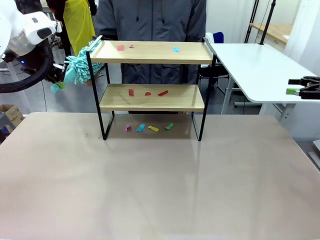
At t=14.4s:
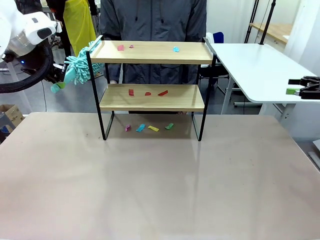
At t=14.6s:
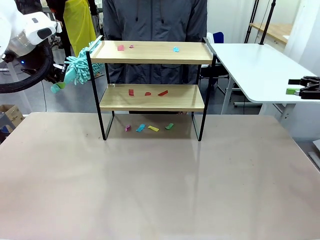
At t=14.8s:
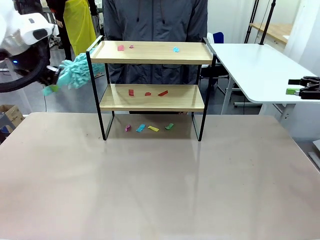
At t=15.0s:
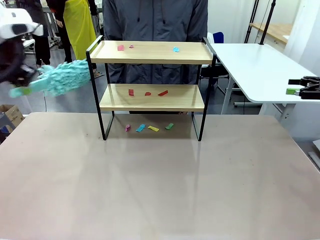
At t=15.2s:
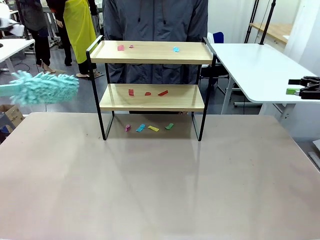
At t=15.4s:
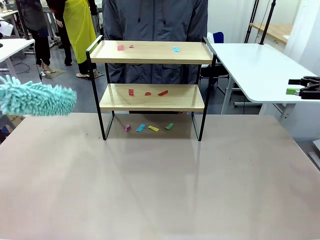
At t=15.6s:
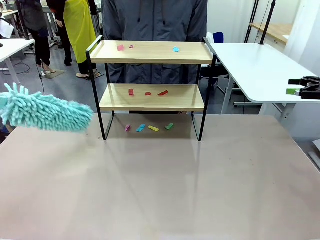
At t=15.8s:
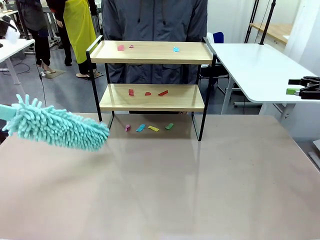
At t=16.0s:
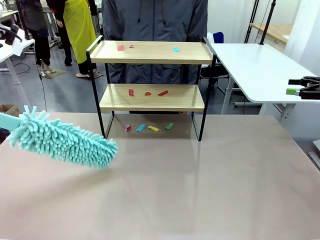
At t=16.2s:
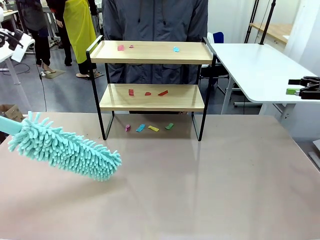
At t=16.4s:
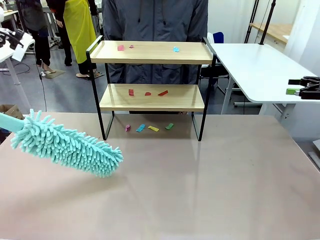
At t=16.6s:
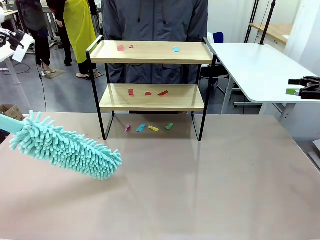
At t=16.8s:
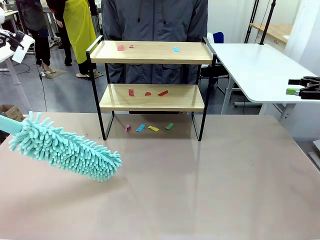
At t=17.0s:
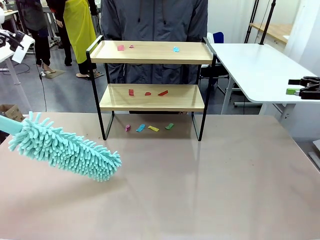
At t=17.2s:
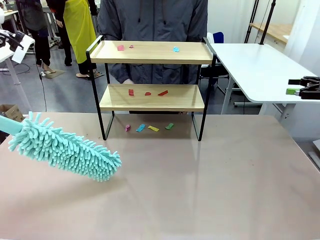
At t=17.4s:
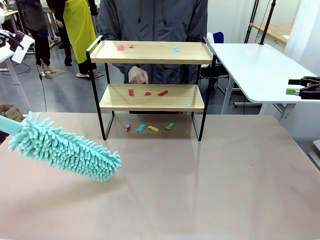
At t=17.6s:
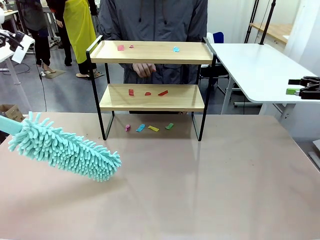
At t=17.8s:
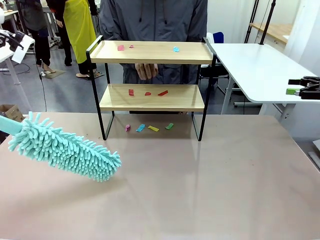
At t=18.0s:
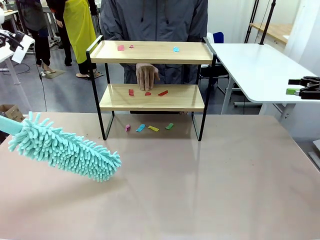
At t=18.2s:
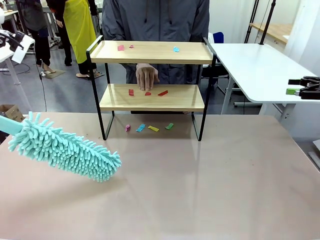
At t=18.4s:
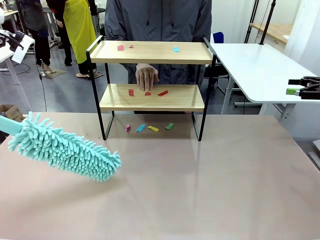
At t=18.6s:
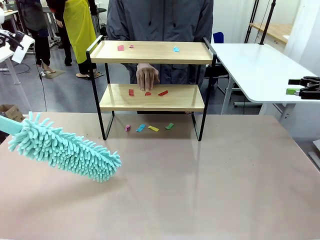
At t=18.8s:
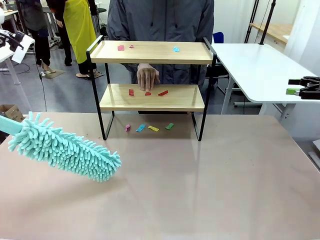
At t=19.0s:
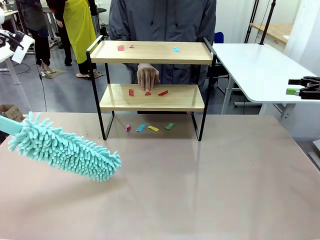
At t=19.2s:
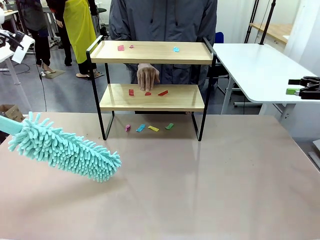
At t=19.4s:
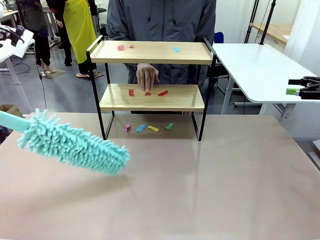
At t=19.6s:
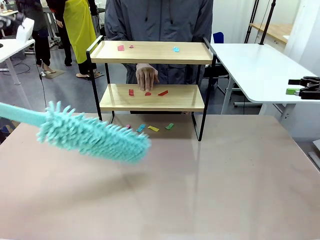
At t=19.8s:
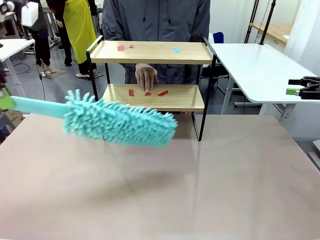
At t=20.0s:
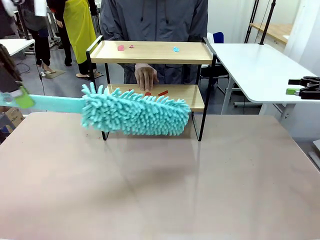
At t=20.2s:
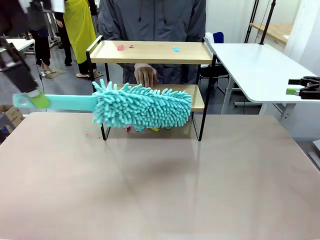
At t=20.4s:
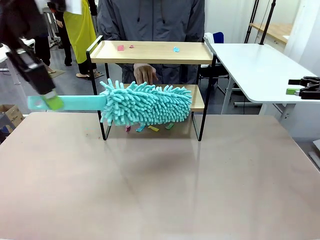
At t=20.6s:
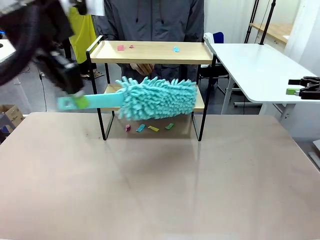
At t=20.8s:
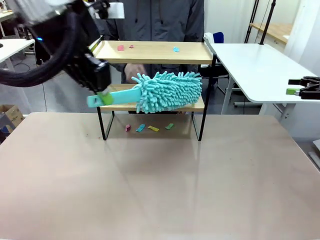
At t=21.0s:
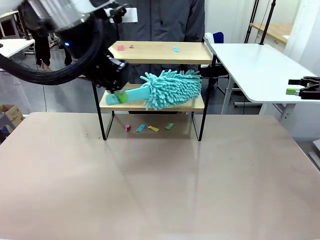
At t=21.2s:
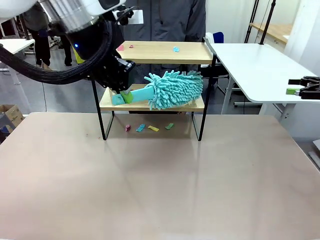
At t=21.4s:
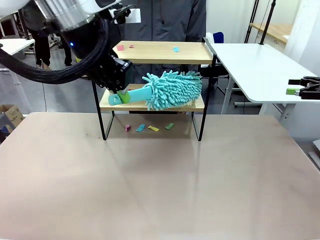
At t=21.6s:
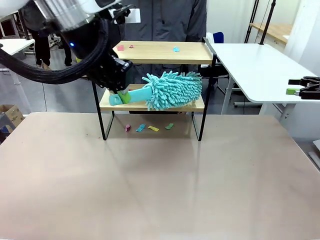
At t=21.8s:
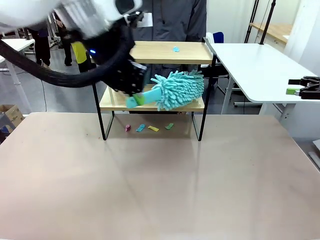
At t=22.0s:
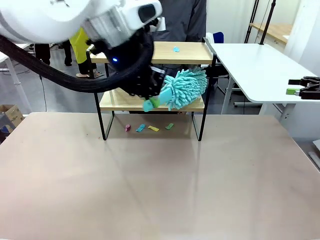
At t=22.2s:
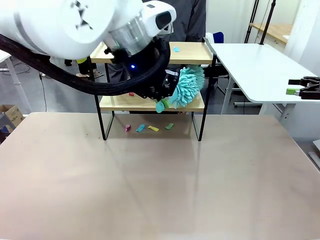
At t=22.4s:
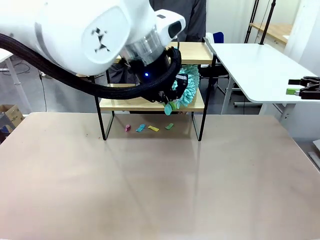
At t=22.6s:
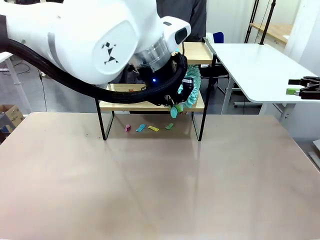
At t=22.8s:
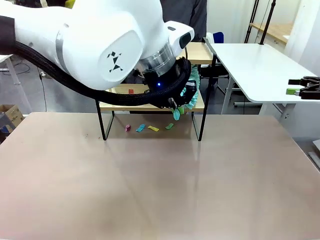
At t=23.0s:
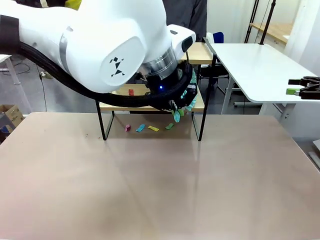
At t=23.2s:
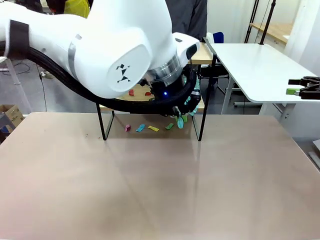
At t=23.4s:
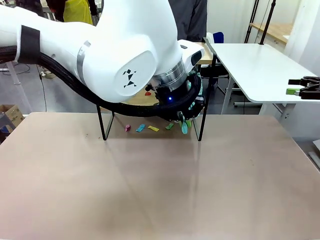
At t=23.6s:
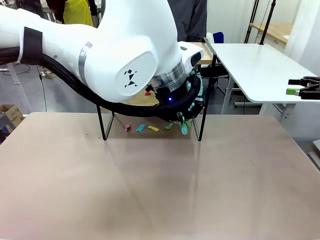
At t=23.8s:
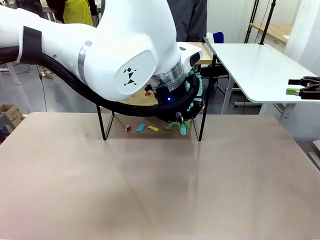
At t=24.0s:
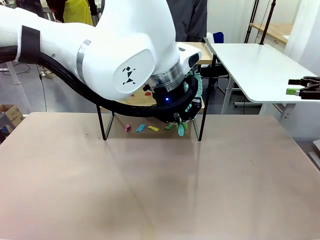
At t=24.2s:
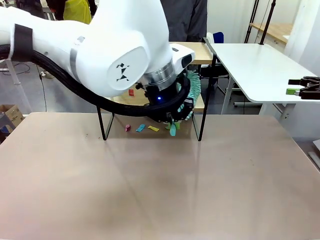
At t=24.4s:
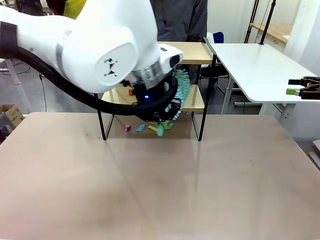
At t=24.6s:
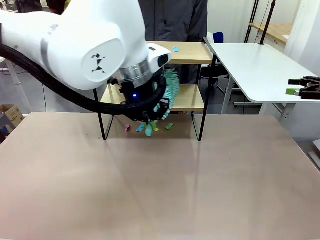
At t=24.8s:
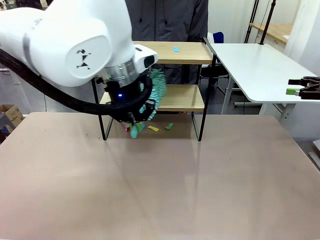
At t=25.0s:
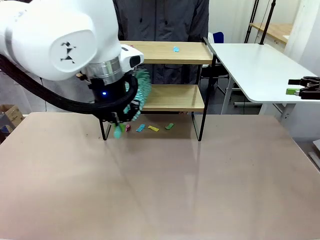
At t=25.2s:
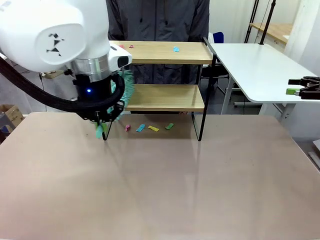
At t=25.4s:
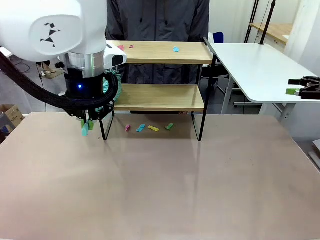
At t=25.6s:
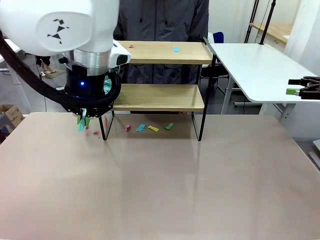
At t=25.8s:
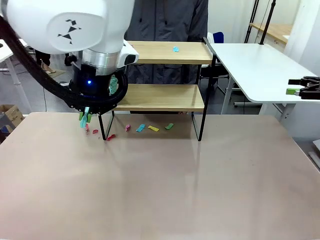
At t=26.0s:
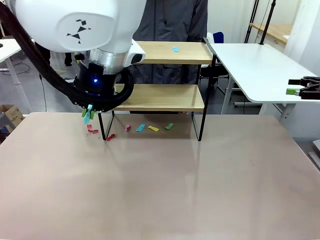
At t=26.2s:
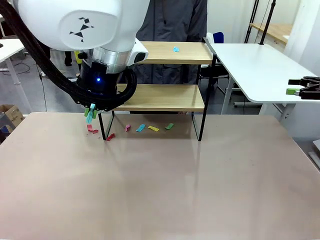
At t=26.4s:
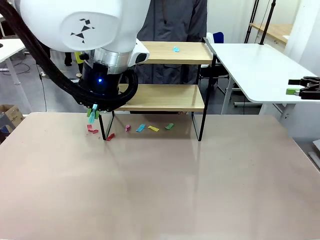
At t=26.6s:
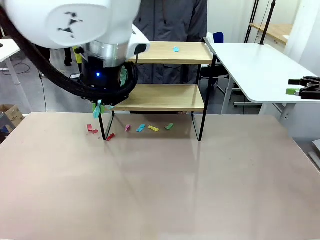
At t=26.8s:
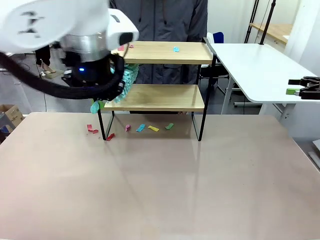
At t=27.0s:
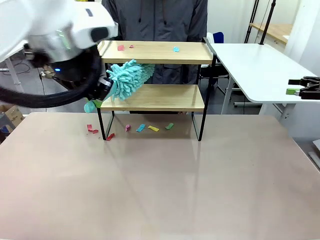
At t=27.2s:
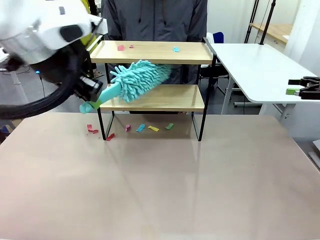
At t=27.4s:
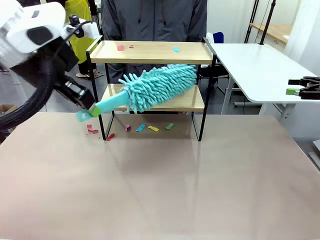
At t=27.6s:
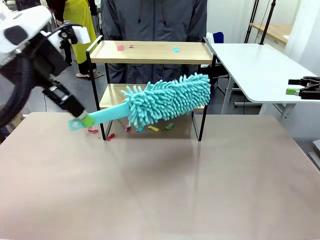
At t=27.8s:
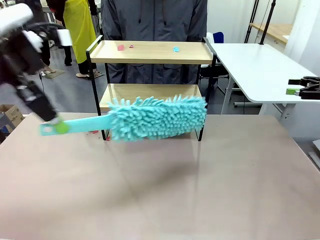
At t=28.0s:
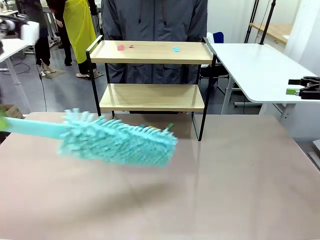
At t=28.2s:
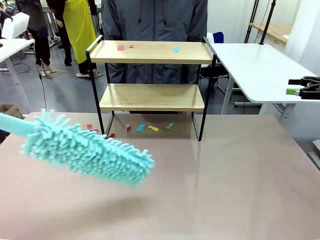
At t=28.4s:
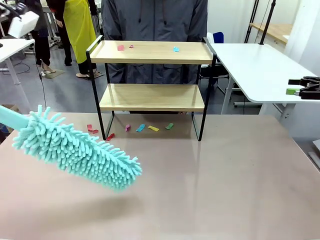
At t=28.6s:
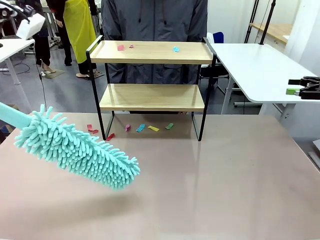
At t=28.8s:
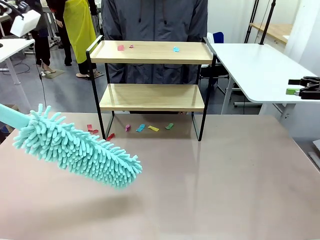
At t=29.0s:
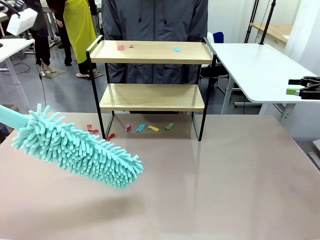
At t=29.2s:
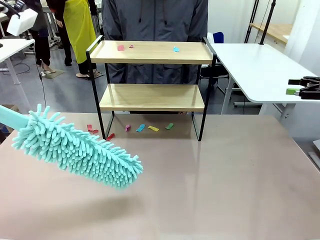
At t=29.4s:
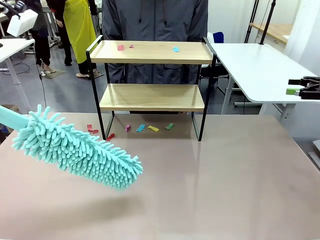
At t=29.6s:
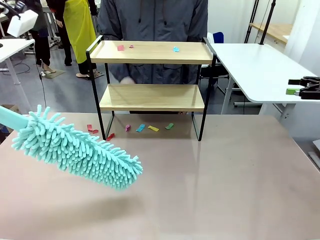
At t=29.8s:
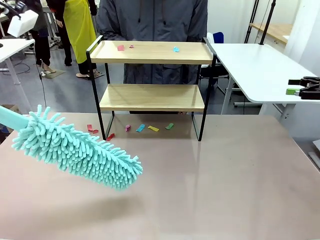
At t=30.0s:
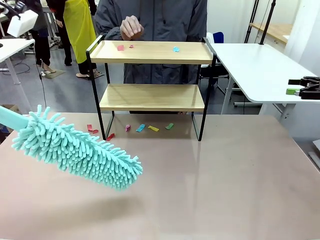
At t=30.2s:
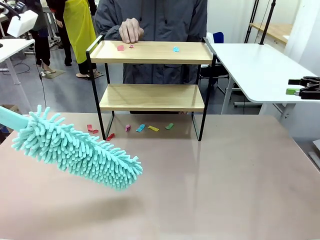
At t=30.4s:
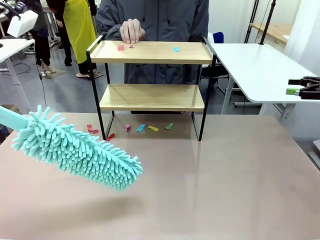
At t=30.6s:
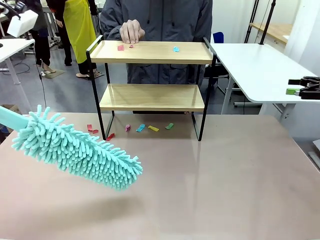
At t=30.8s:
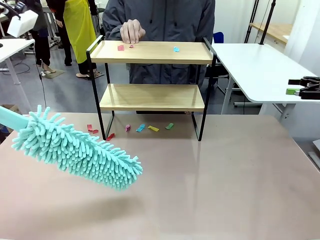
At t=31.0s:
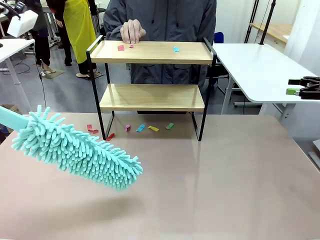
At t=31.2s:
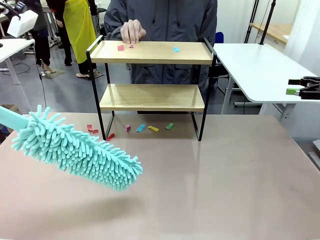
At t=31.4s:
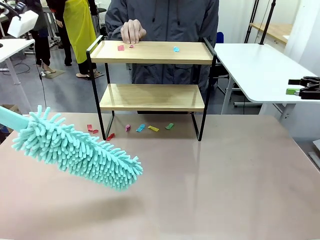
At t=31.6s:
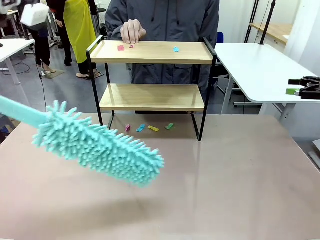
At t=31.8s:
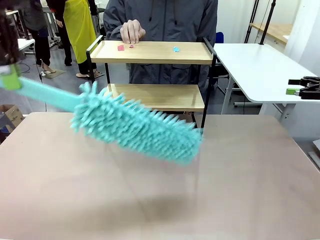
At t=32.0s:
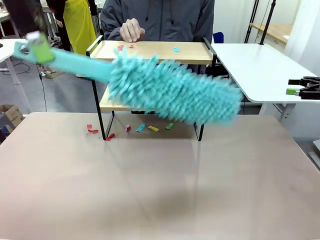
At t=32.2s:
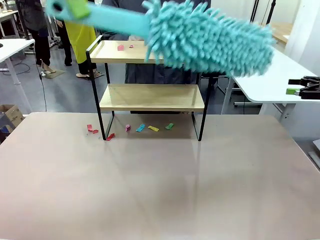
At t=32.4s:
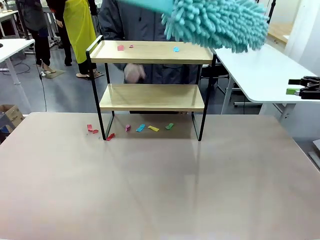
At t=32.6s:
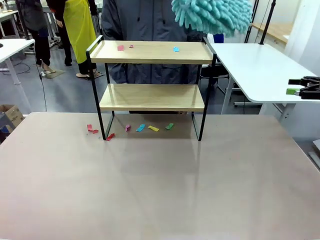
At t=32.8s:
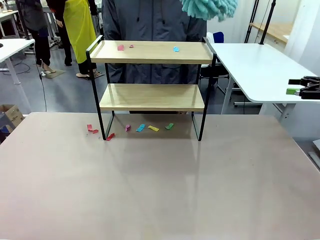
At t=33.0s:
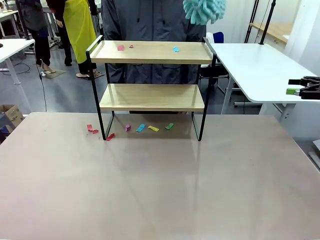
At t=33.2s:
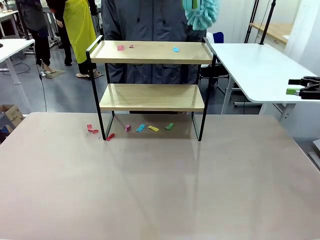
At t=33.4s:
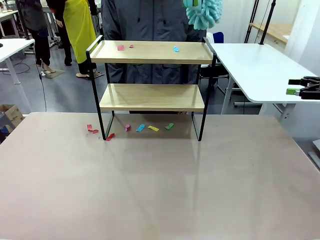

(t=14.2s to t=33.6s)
Task: Clean the shelf.
Robot: Clean the specific section of the Shelf indicated by the human with the Duster.
Person: Point a random section of the Shelf.
